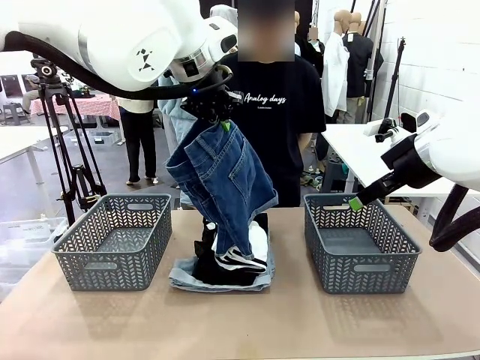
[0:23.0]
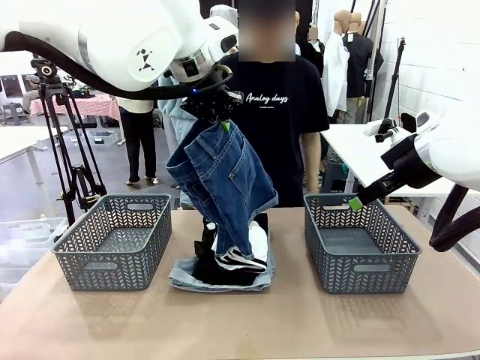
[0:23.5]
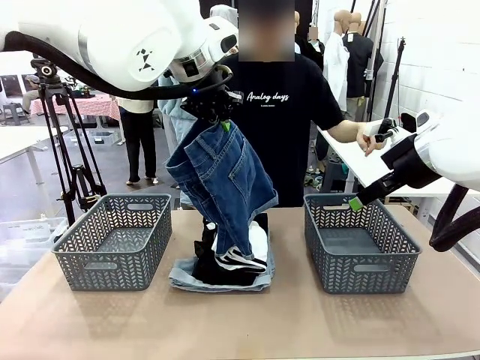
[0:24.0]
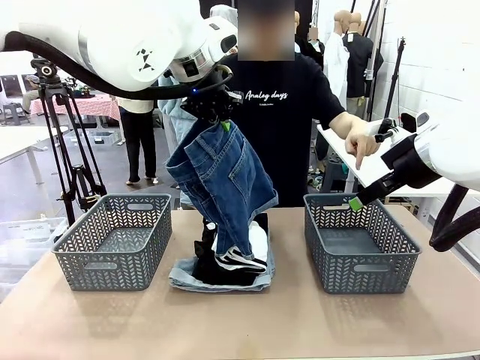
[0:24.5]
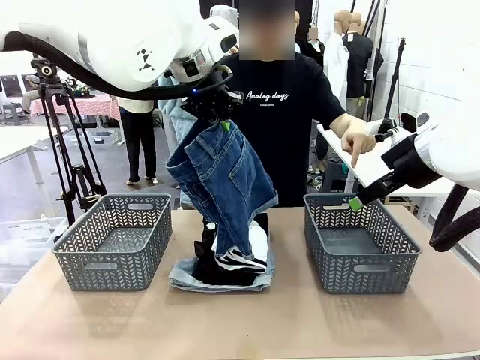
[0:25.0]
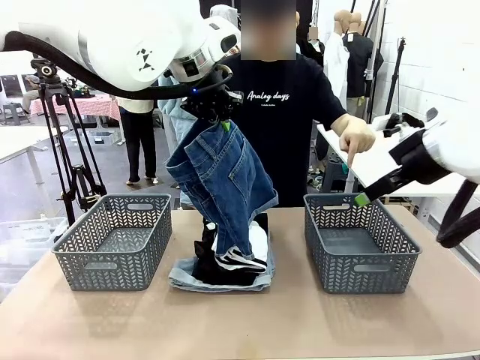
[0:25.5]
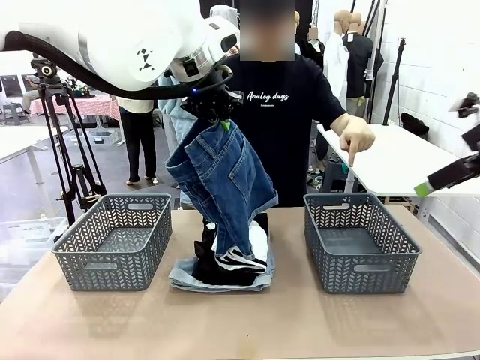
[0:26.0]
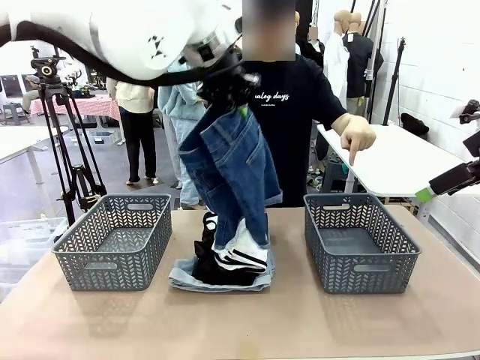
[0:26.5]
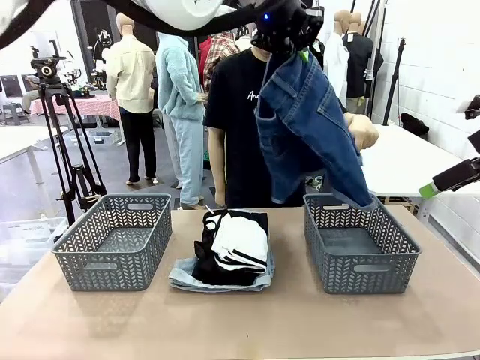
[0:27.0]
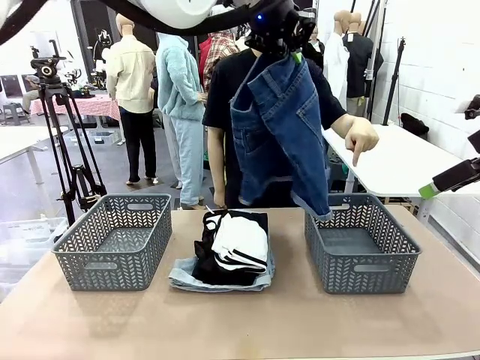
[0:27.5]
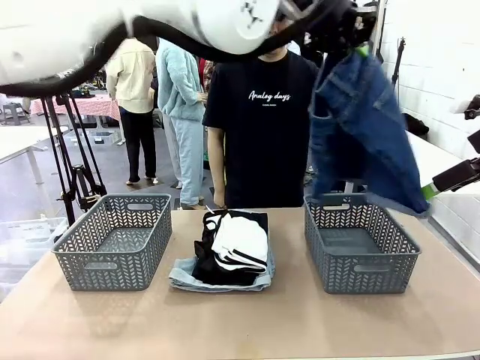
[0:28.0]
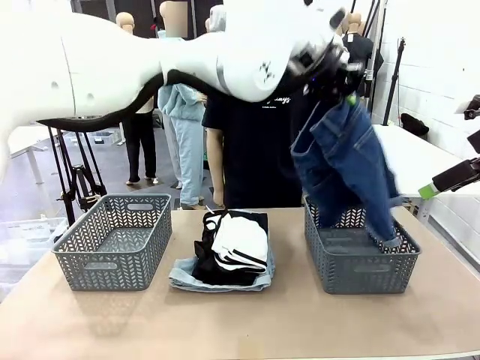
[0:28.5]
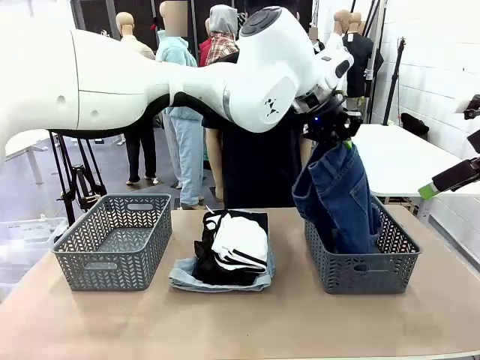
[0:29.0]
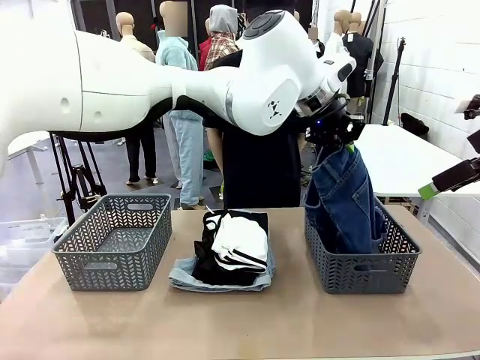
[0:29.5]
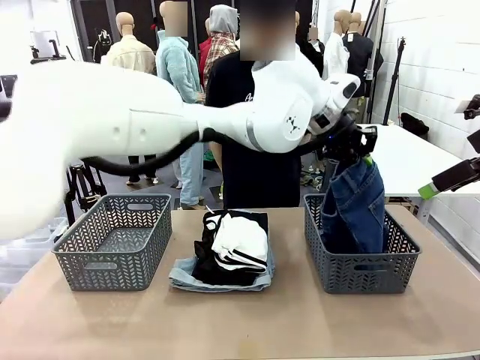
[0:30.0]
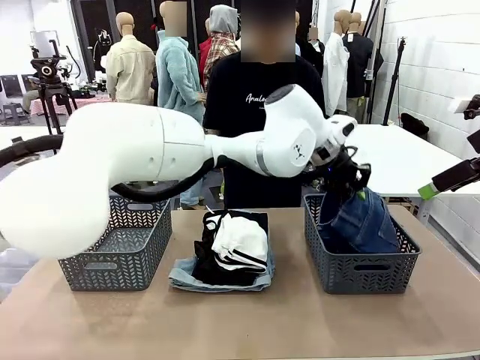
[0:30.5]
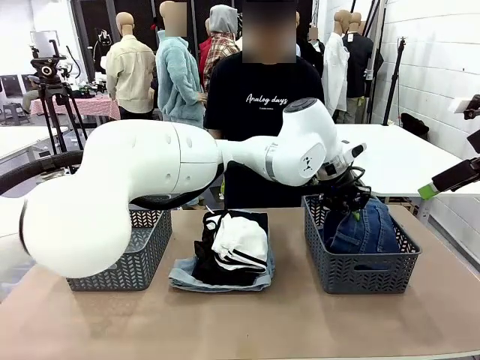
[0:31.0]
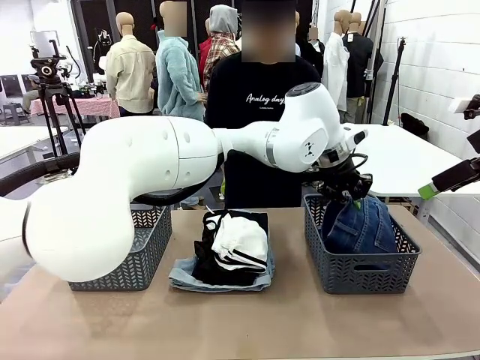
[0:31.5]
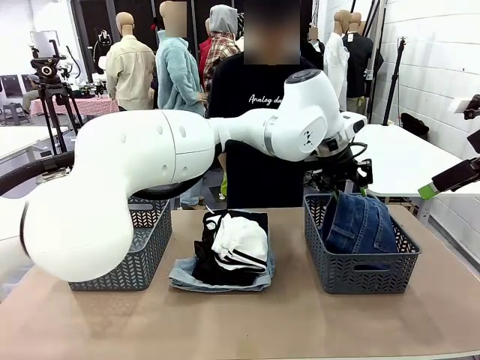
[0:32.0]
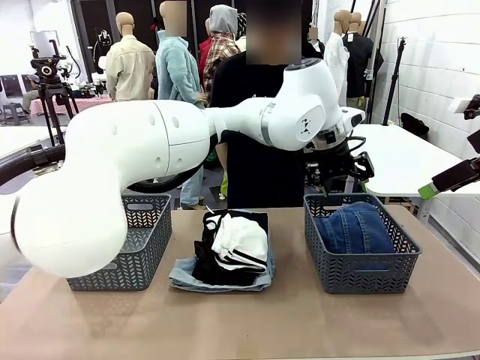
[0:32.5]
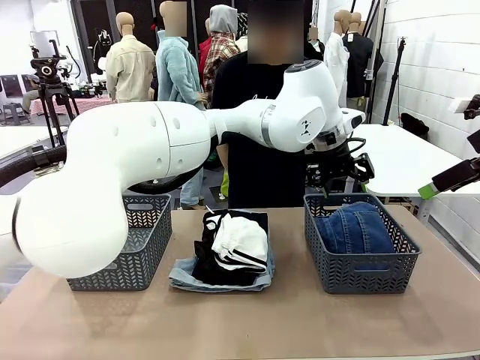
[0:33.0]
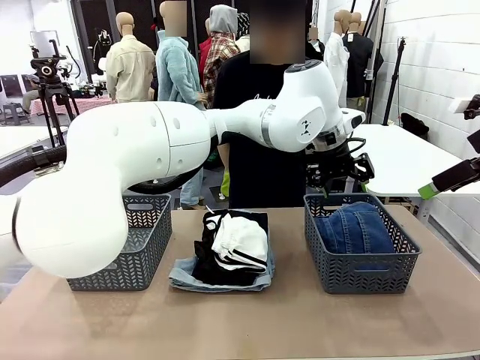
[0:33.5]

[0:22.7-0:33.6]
Task: Sort the tops and bottoms.
Robot: Sort the clothes according to human instructions.

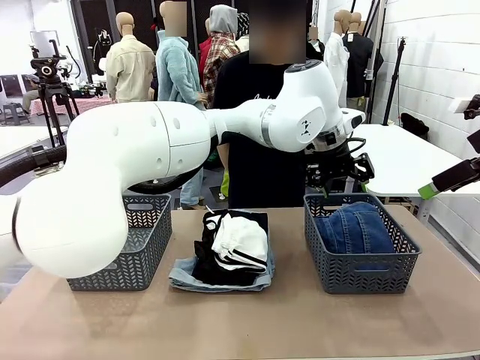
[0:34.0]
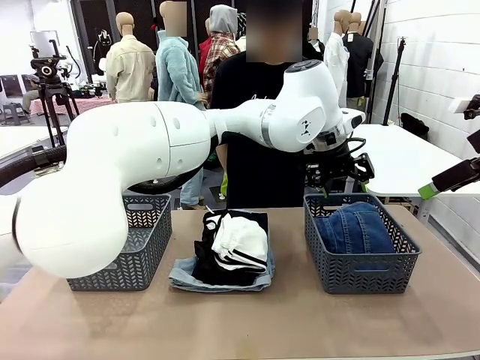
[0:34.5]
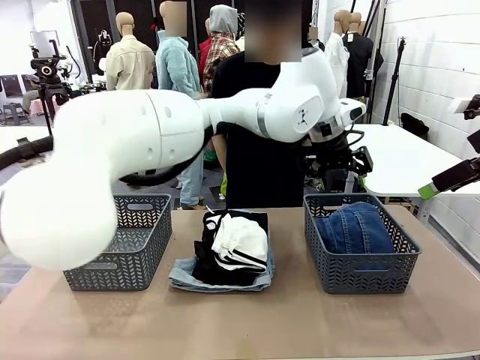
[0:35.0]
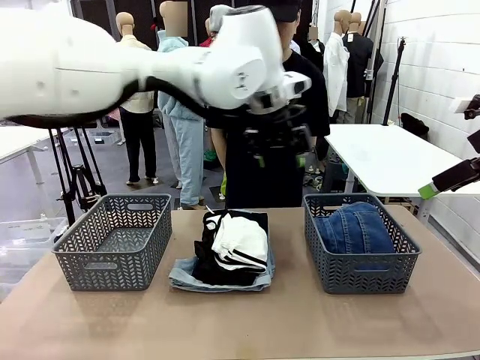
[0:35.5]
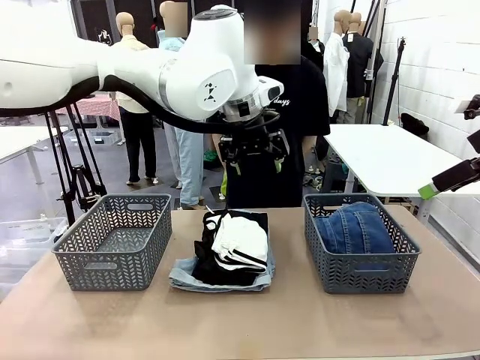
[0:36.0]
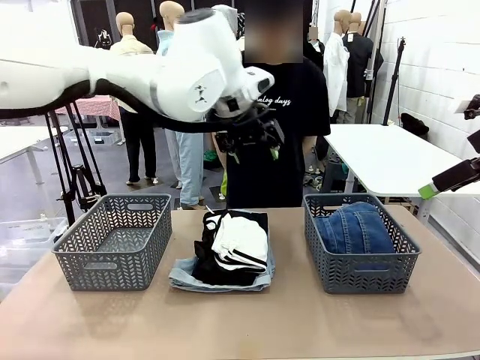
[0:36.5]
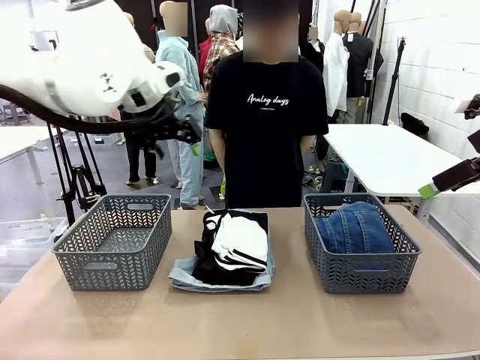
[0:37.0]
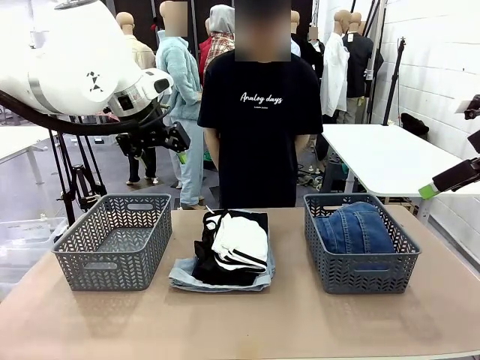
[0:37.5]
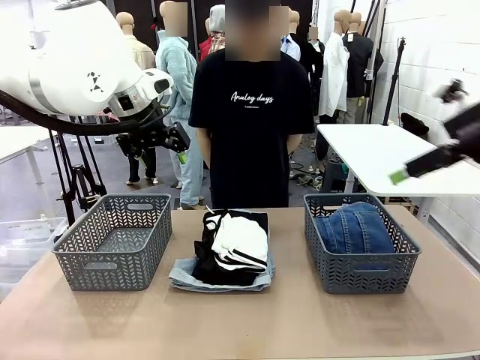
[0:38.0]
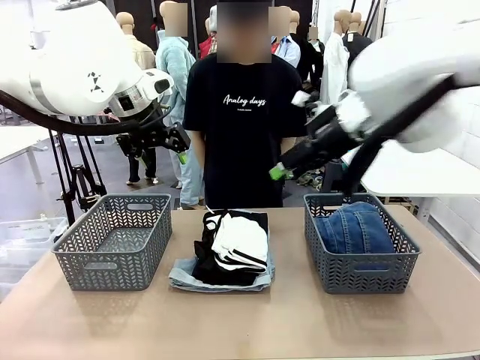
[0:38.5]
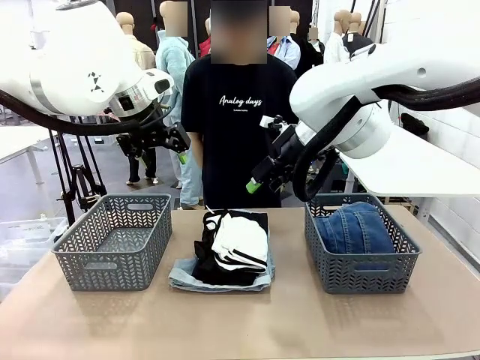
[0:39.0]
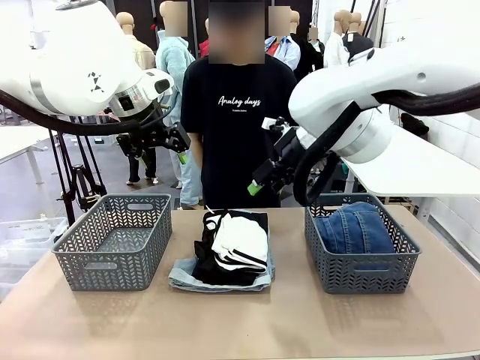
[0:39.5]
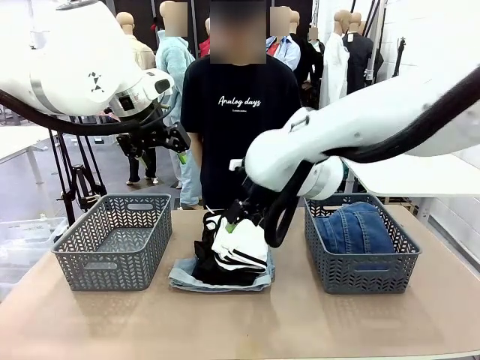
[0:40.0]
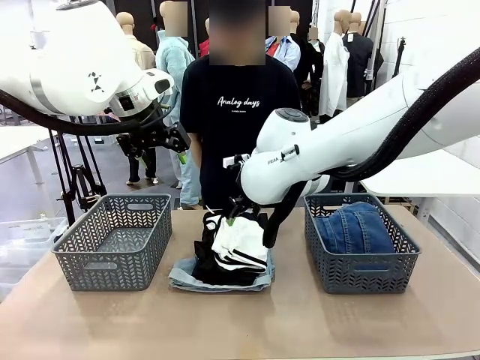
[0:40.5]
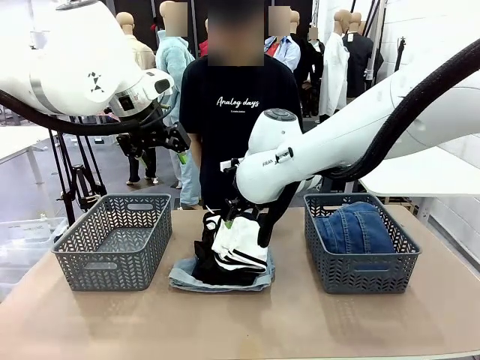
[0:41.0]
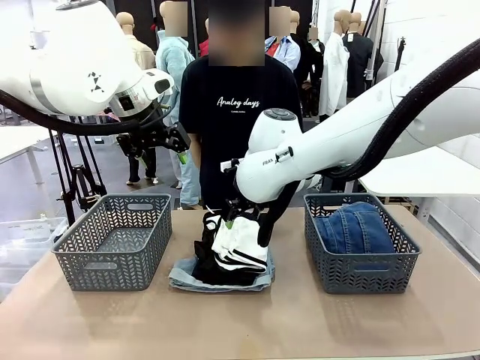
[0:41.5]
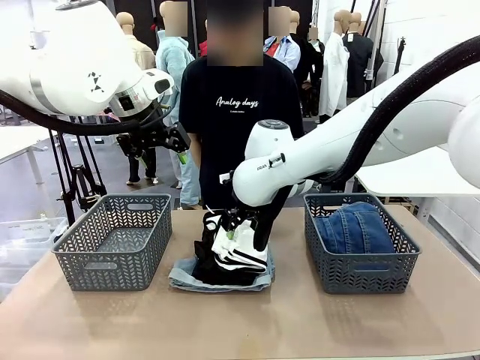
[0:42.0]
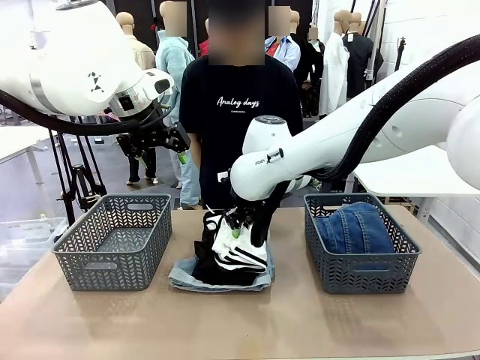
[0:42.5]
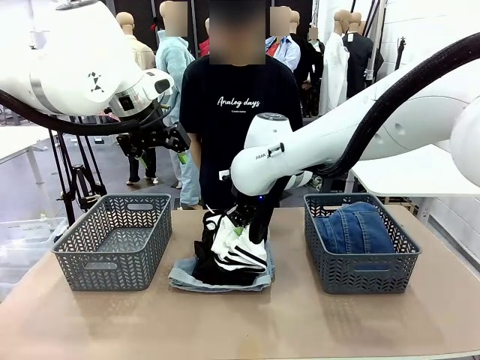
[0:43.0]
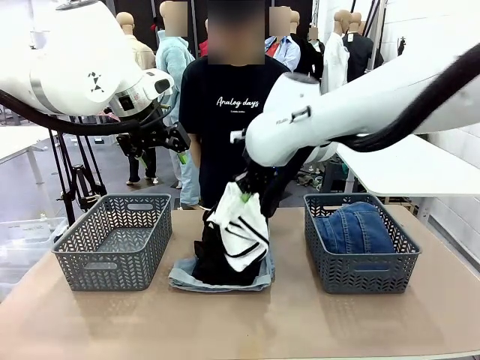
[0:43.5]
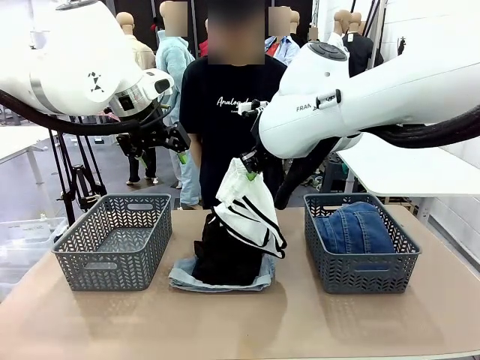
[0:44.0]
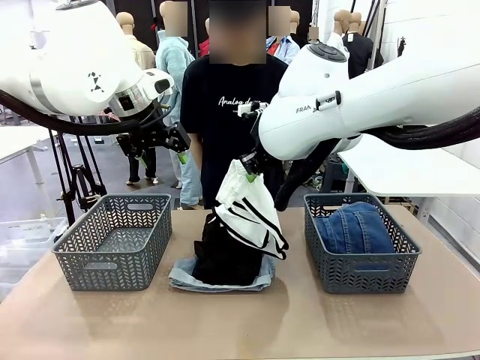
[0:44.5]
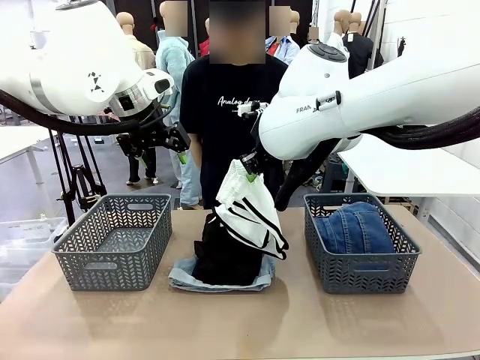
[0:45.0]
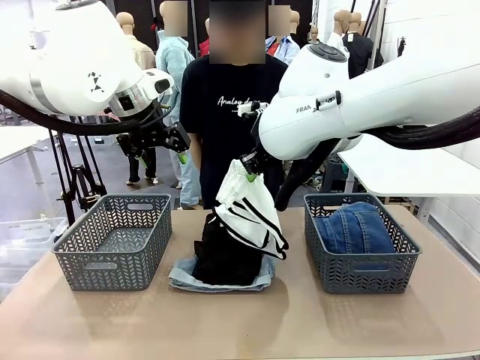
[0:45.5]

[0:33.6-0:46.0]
Robot: Lift clothes from the center of the table with your right hand.
